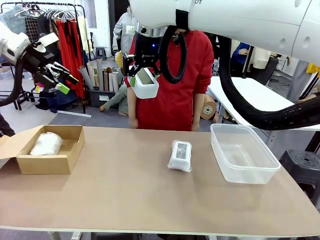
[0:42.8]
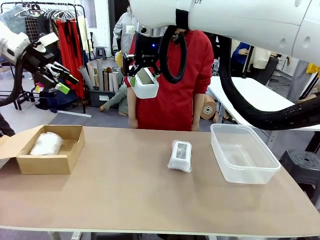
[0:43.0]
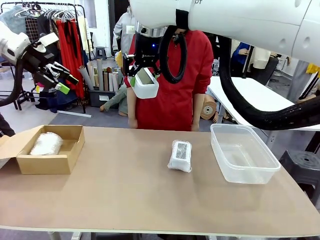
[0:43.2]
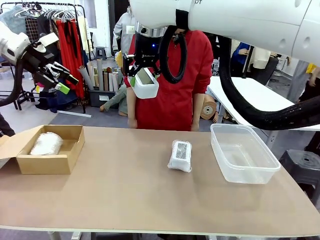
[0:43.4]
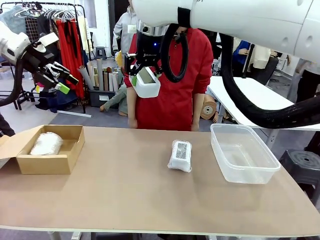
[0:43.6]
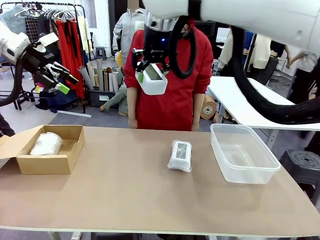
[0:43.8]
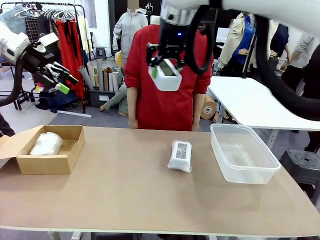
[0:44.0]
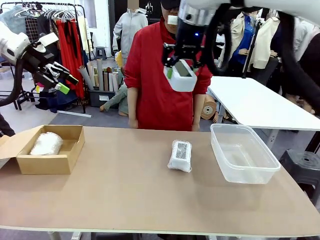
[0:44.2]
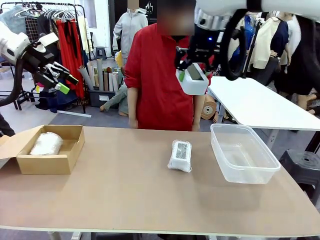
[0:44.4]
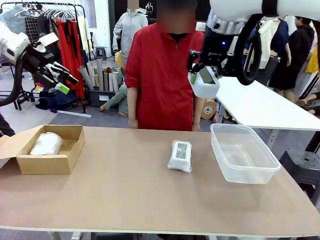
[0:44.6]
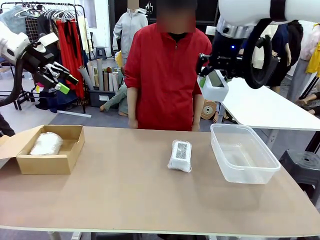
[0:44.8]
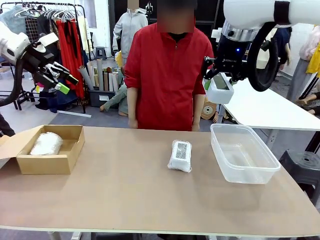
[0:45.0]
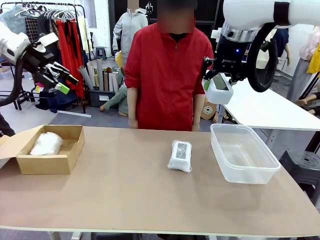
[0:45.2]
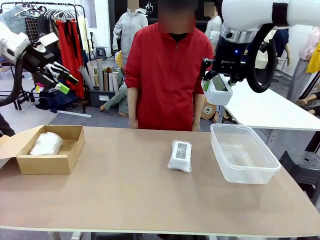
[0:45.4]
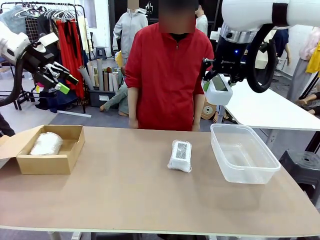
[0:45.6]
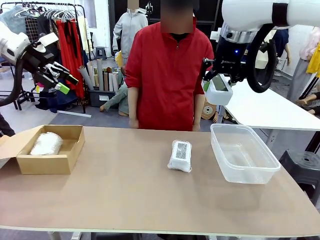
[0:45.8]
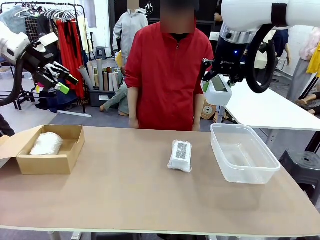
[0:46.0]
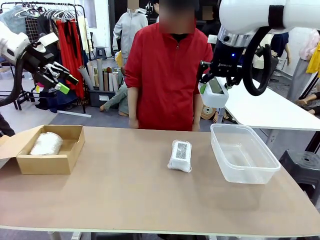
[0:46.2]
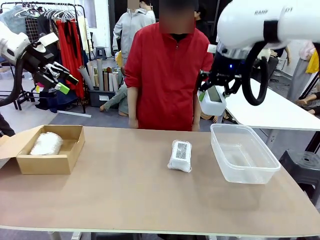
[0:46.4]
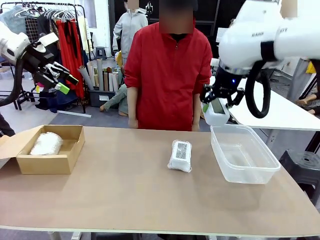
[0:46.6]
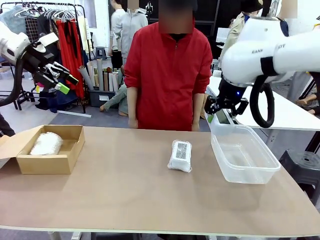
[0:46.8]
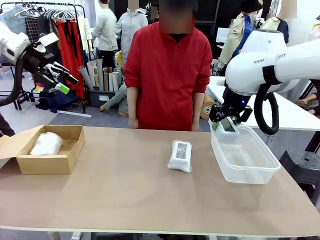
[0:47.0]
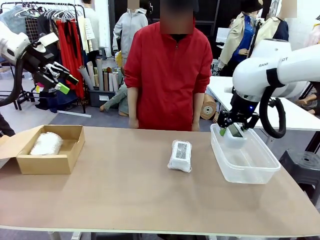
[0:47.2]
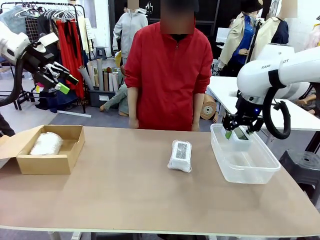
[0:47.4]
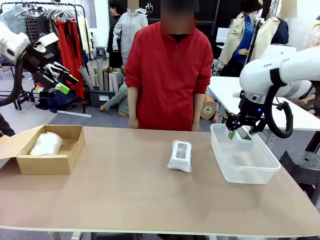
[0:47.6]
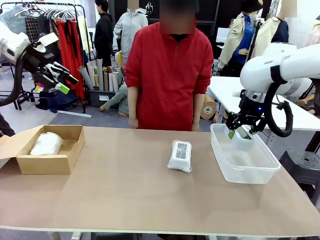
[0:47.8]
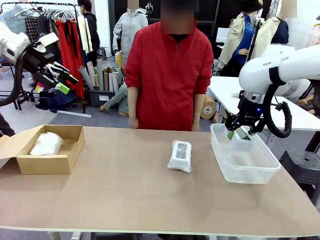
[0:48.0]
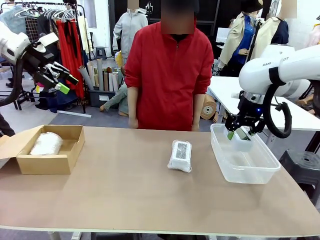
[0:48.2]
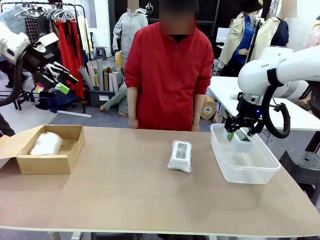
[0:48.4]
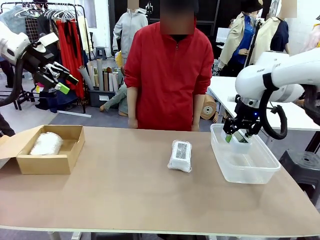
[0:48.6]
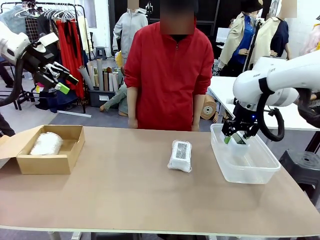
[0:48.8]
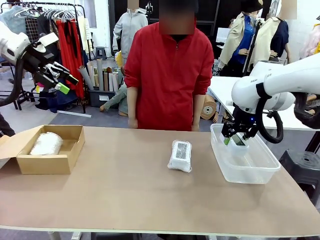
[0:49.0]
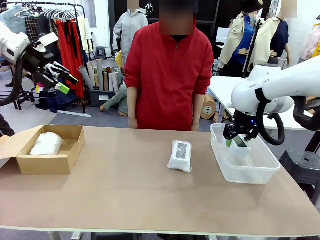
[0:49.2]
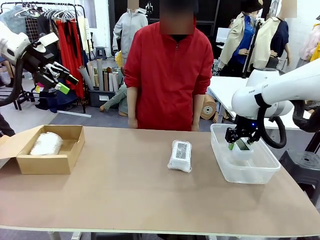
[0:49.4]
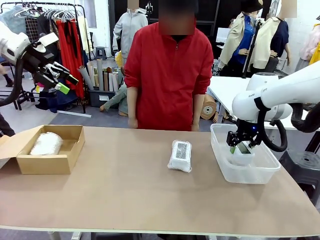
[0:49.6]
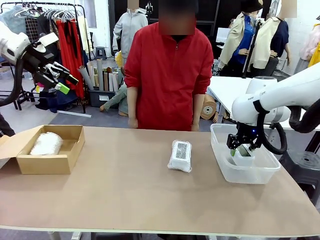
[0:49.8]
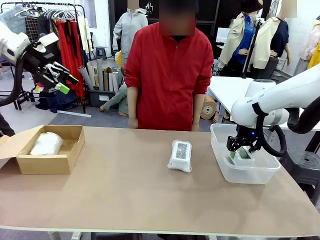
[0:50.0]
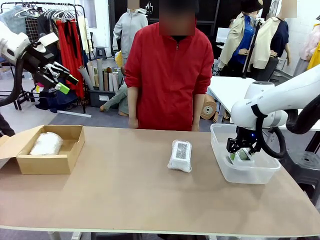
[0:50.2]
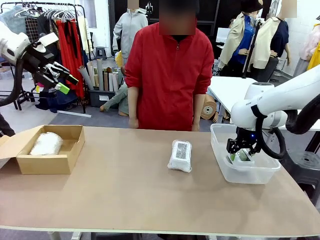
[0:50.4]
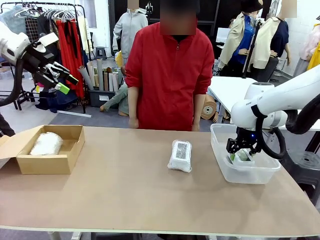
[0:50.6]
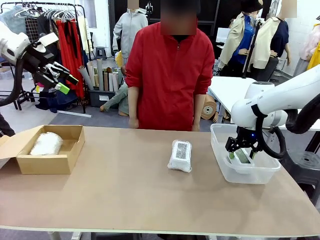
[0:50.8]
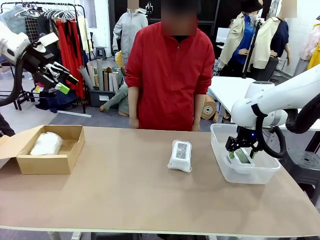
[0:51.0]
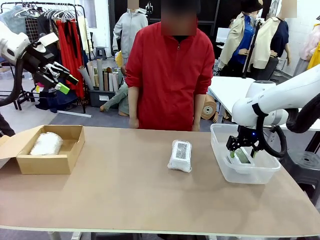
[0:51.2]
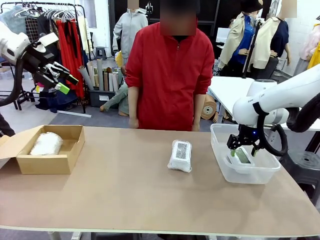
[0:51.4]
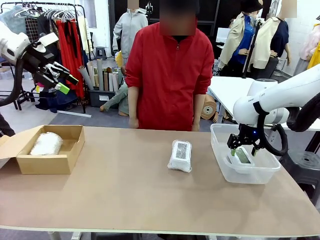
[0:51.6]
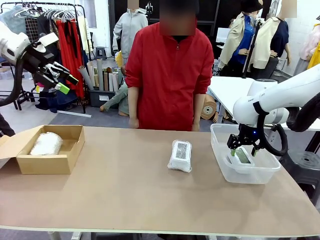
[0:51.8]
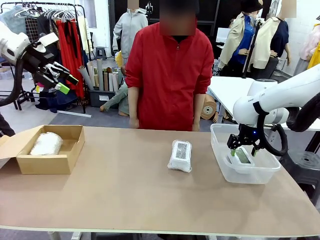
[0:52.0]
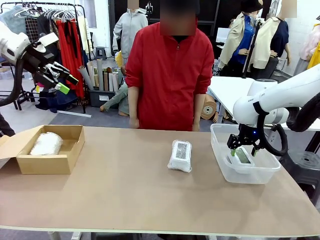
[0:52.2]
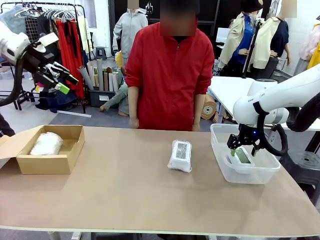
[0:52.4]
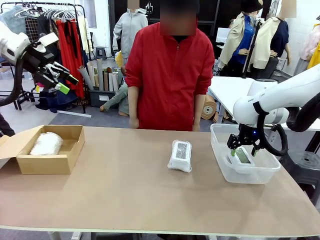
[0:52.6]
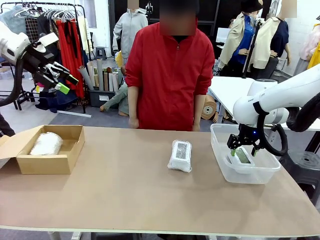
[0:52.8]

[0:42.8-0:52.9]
Task: Separate and place wrapped and unwrapped clocks.
Robot: If the picked Digital clock is wrapped, place it in the Package Box ; if not, place it in the Organizing box.

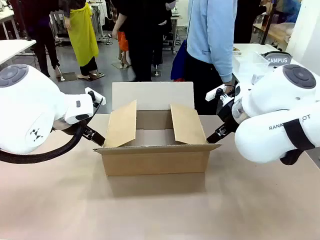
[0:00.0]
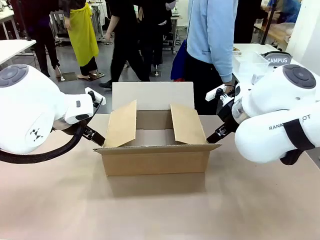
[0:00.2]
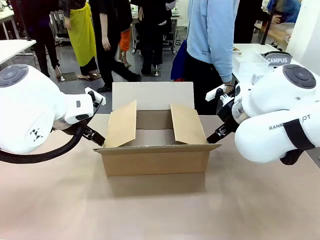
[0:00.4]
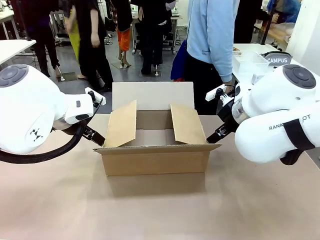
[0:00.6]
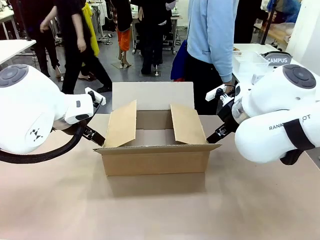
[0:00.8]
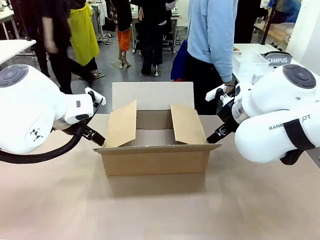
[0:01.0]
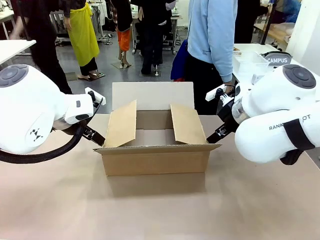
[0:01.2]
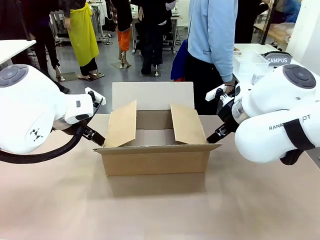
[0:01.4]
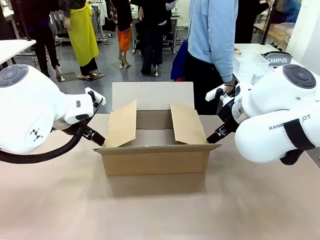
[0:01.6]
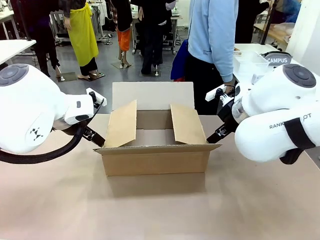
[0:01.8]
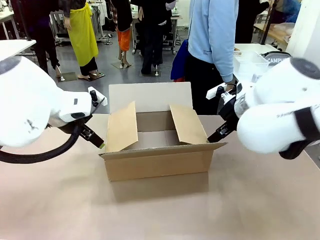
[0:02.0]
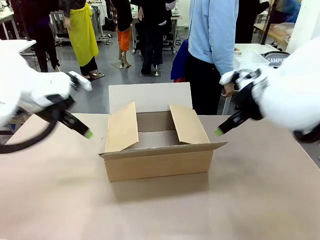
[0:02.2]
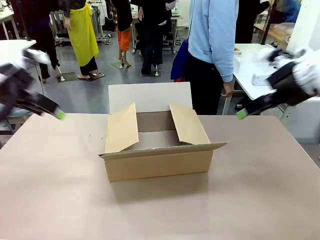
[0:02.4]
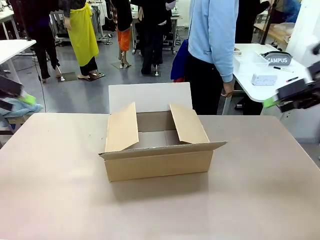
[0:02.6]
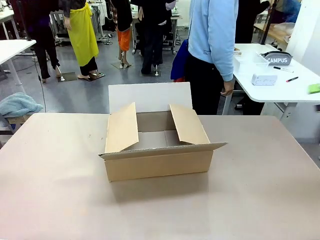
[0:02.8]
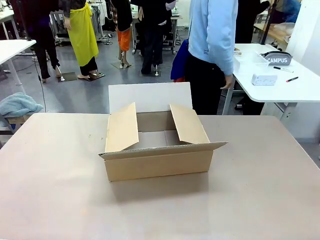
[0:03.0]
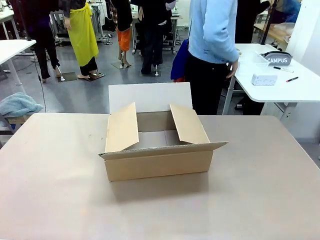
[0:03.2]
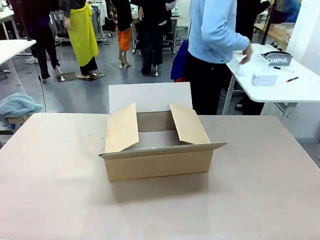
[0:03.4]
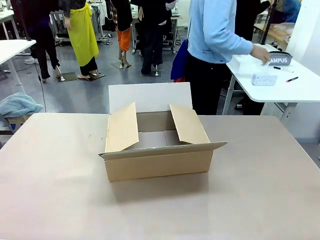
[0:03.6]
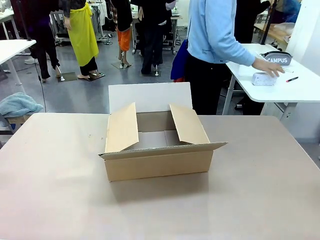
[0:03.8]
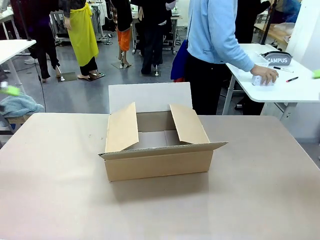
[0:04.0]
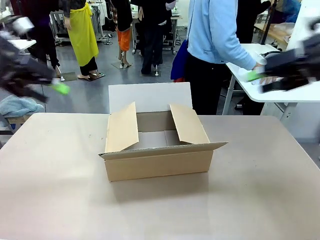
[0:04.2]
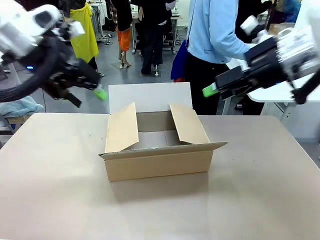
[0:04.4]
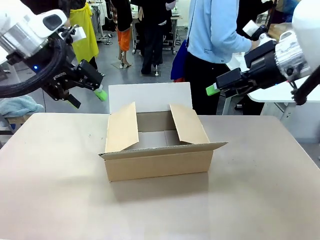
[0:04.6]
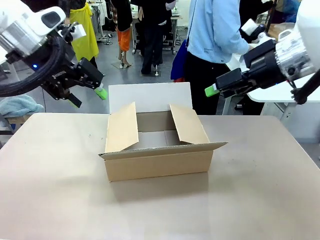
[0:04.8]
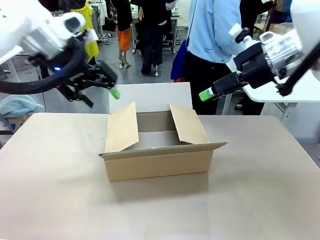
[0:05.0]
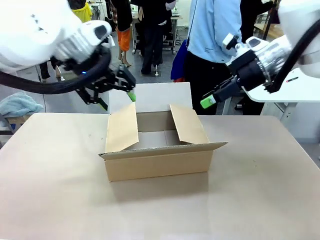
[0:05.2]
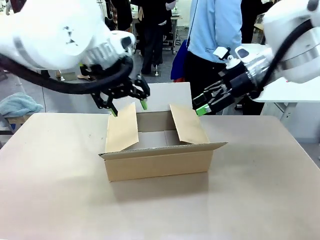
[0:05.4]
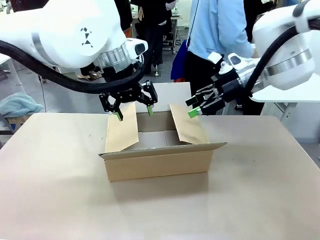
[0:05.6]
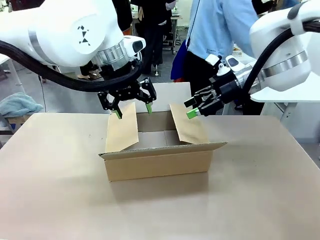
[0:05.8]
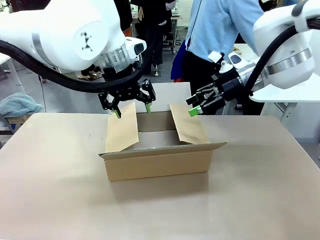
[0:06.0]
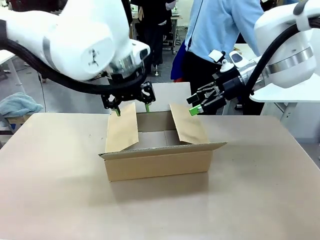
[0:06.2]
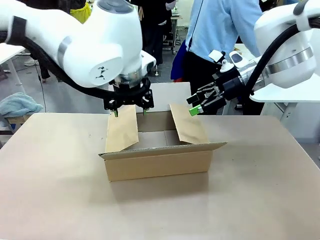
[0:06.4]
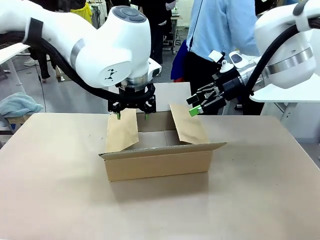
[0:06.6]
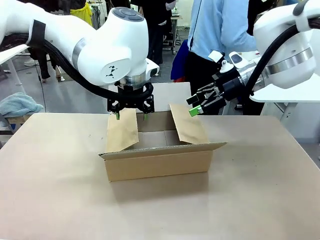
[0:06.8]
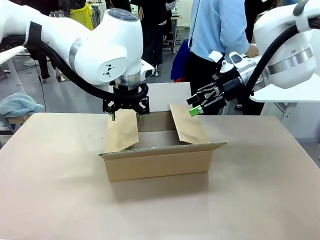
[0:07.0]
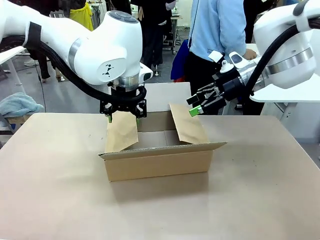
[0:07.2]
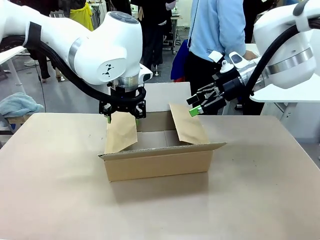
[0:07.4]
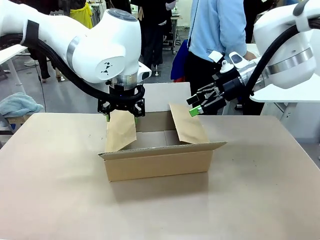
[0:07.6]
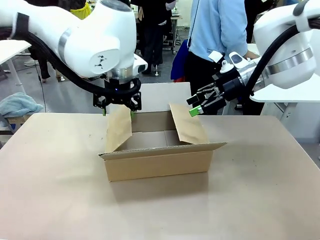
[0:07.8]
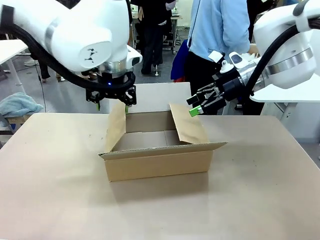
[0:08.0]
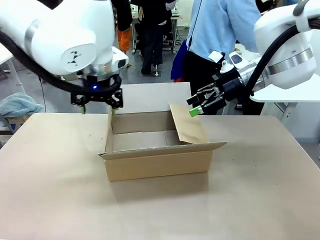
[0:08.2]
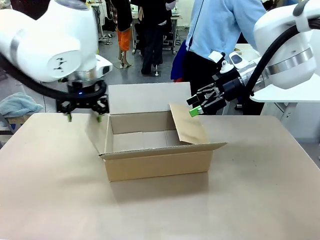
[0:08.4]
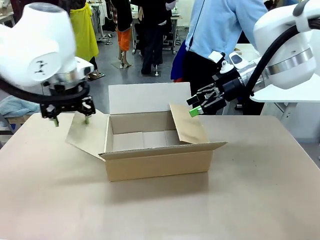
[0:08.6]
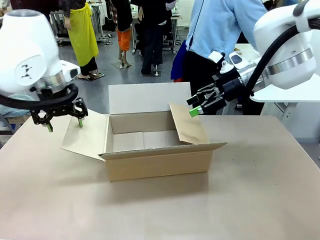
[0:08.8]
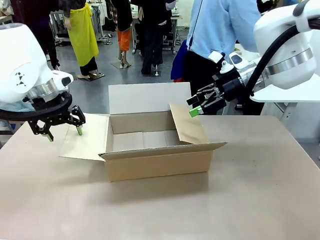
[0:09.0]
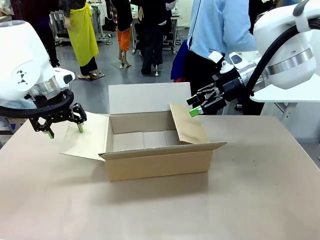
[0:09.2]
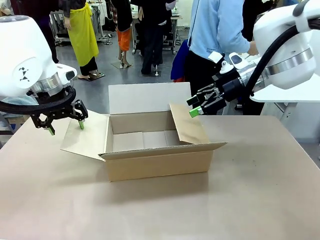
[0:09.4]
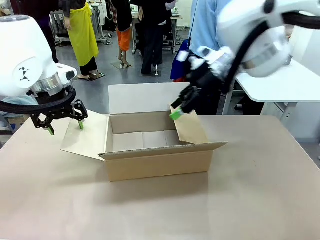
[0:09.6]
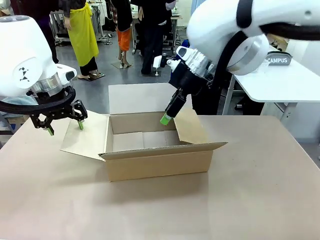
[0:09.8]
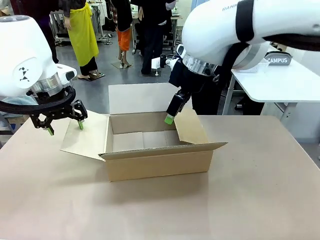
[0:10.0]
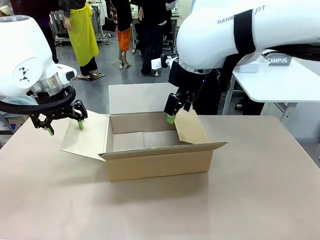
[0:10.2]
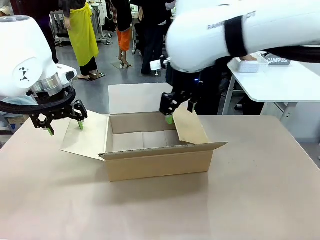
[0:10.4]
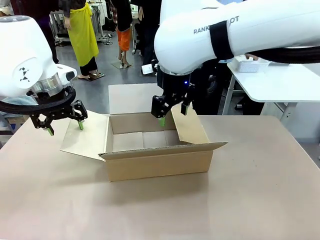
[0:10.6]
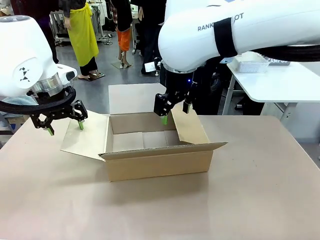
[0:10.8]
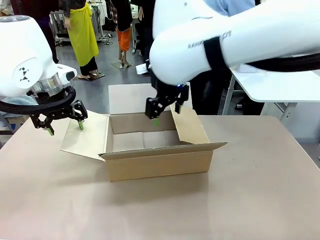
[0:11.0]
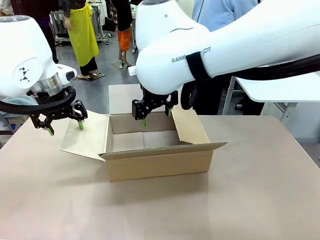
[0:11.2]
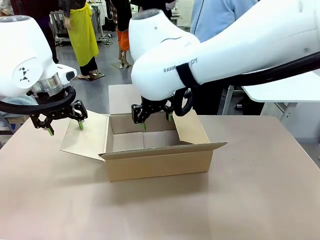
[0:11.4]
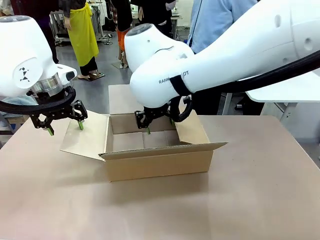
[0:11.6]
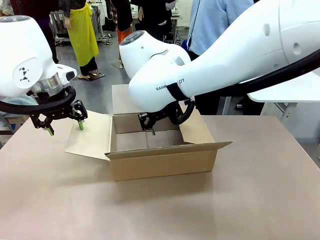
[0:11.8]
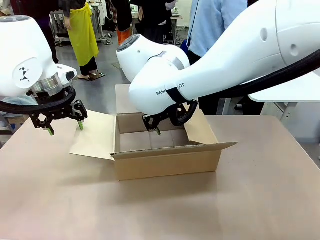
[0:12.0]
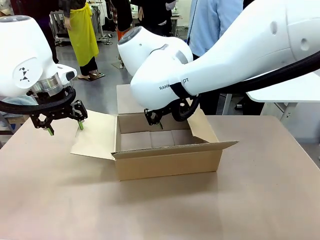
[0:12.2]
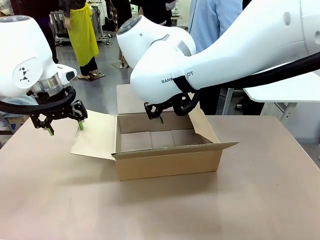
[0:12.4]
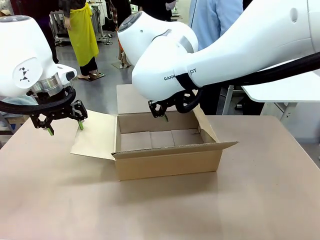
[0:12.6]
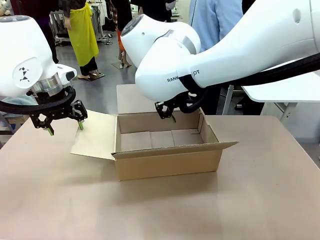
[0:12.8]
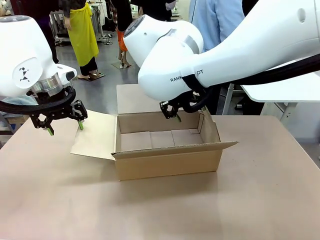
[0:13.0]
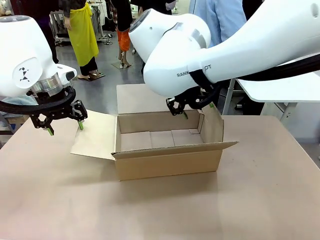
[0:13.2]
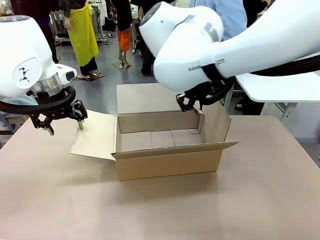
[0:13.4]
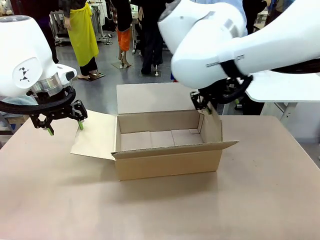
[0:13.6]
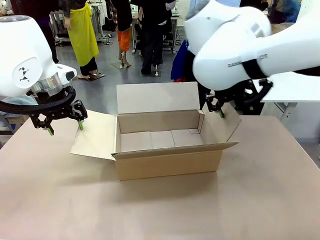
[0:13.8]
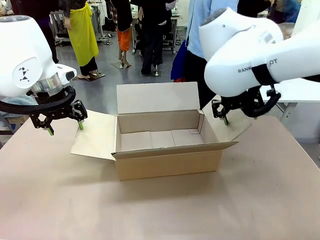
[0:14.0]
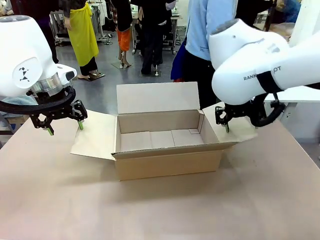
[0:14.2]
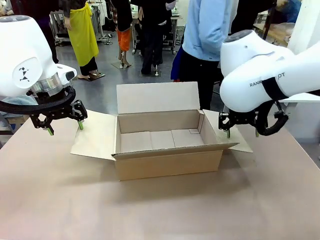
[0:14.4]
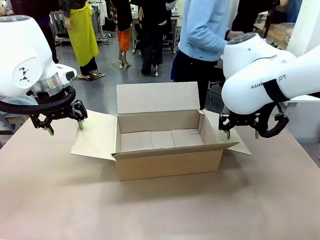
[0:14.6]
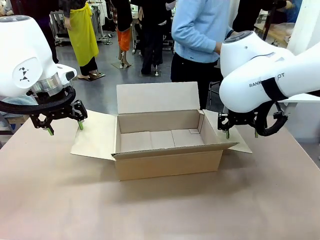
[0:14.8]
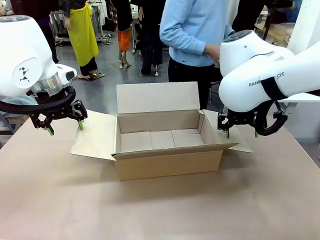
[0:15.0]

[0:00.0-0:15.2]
Task: Pack the gift set into the box.
Robot: Place both hands on the side flaps of the Package Box and spread them outward.
Person: The human places all items except the paper tape into the organizing basket.
